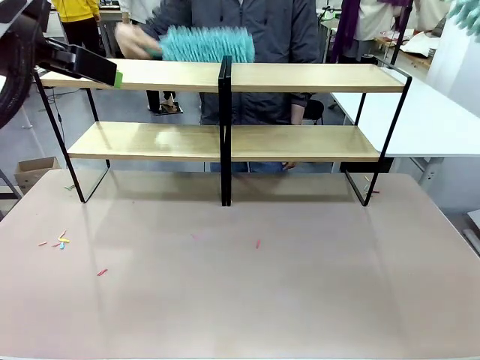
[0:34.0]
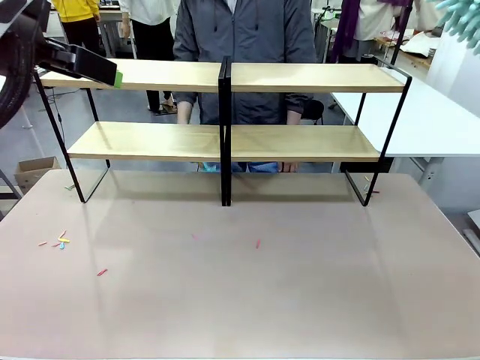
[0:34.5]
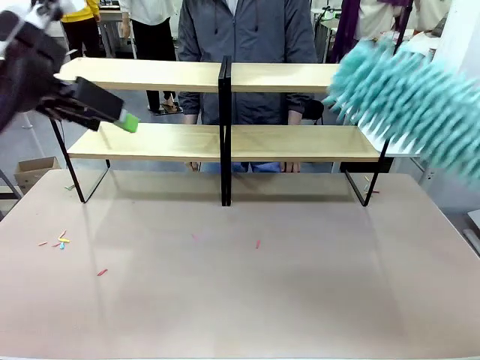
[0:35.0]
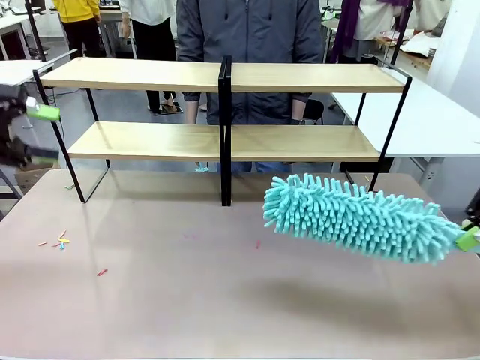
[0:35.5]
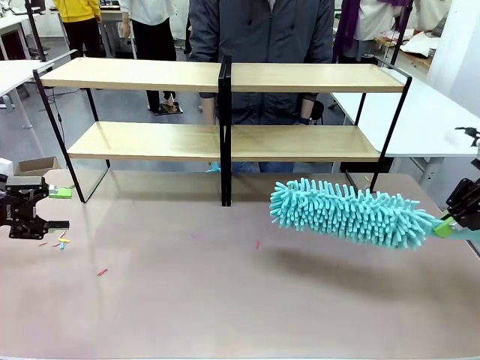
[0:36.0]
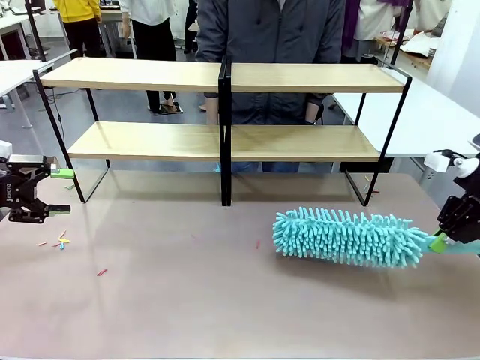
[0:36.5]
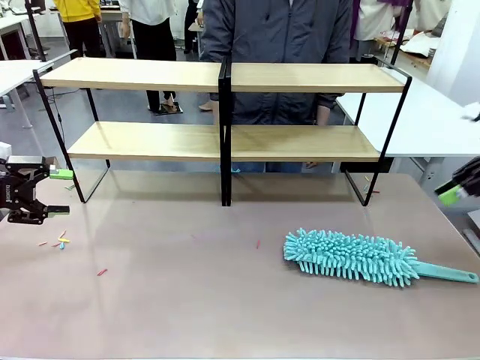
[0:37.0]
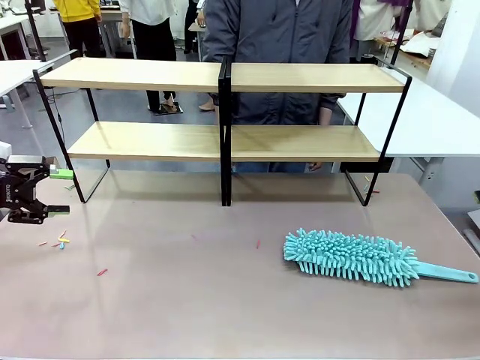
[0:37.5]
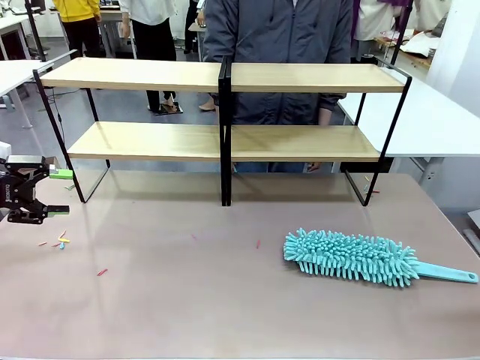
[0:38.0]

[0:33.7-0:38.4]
Task: Clean the shelves.
Robot: Place the Duster on the table.

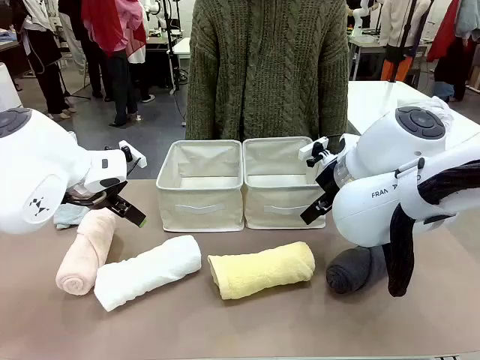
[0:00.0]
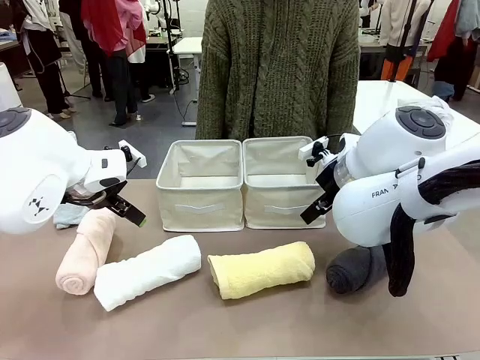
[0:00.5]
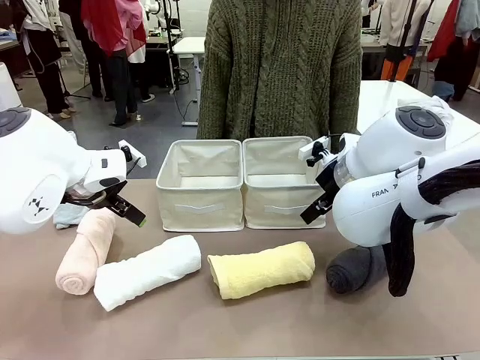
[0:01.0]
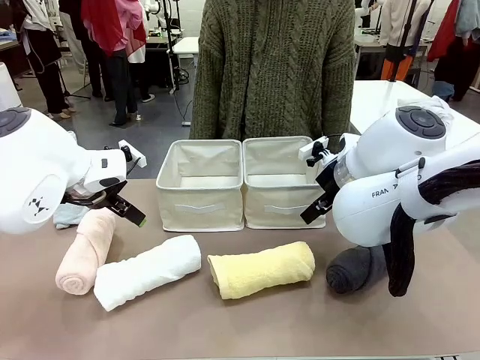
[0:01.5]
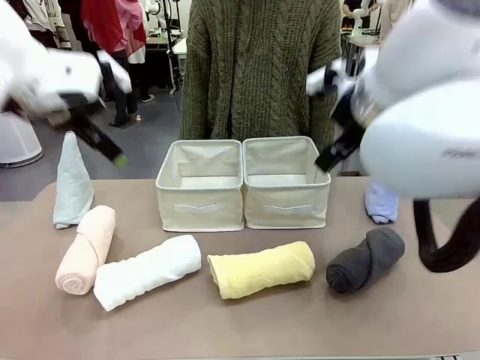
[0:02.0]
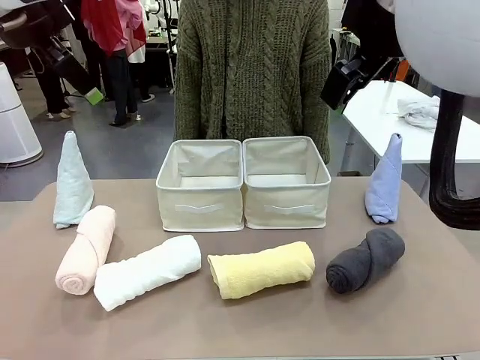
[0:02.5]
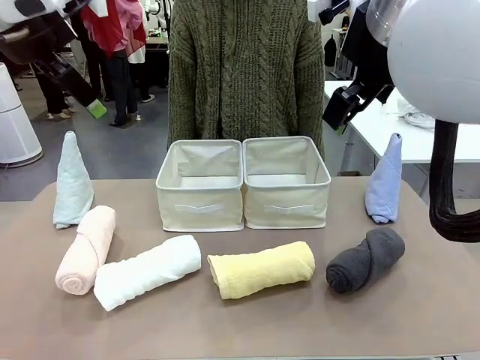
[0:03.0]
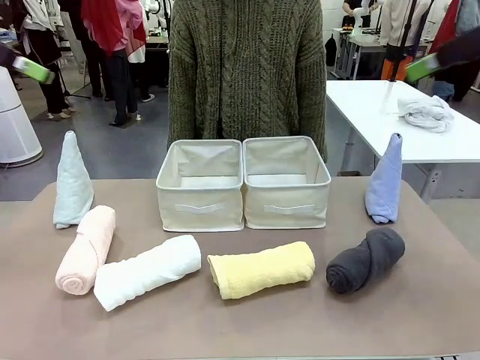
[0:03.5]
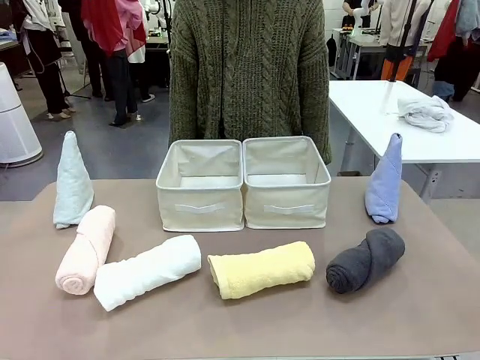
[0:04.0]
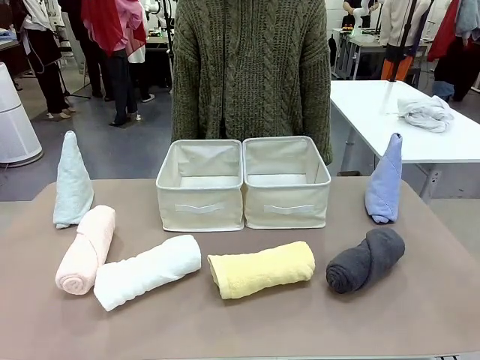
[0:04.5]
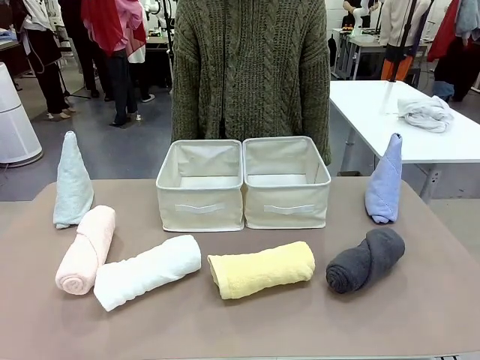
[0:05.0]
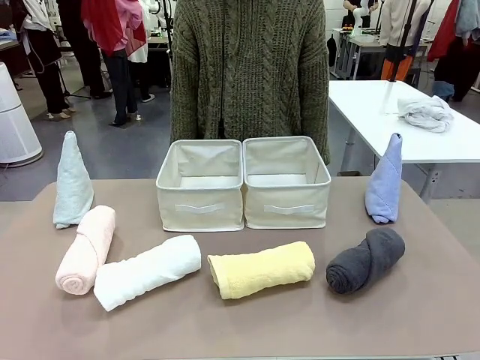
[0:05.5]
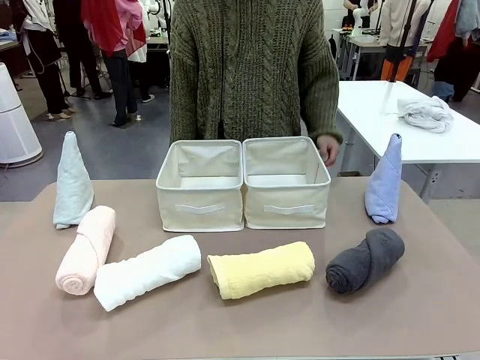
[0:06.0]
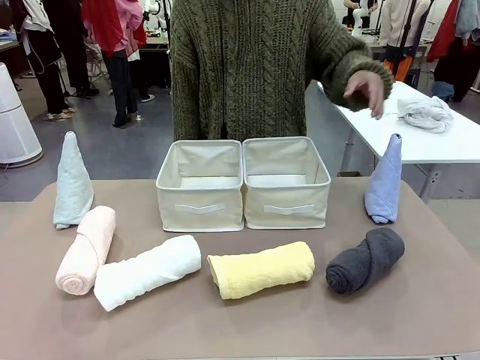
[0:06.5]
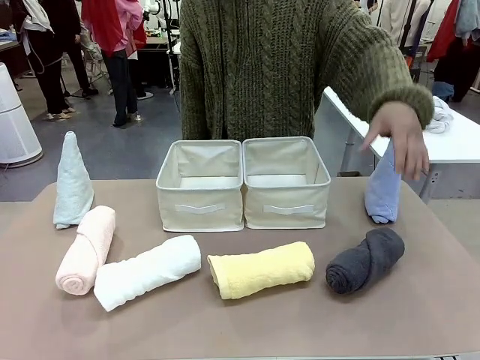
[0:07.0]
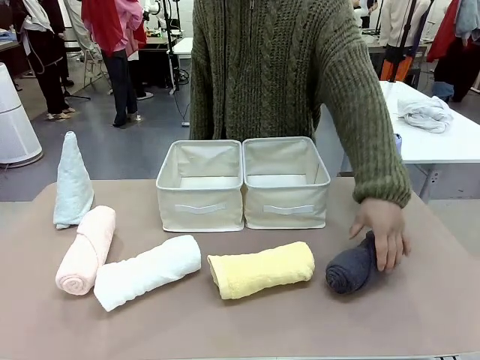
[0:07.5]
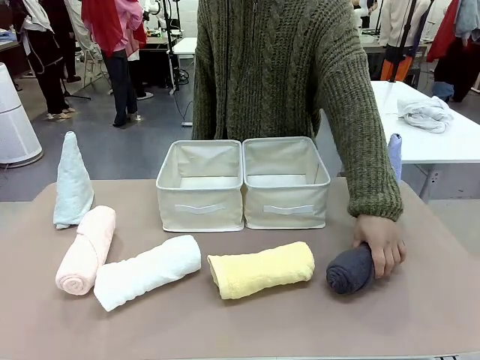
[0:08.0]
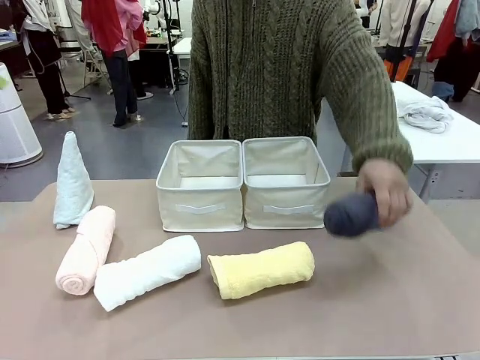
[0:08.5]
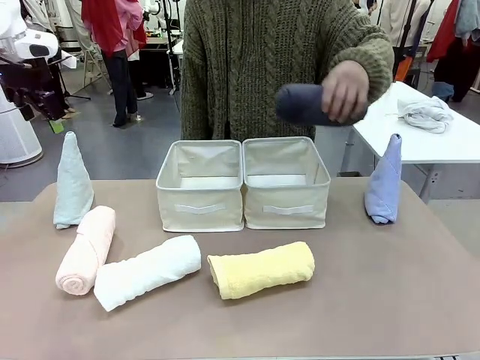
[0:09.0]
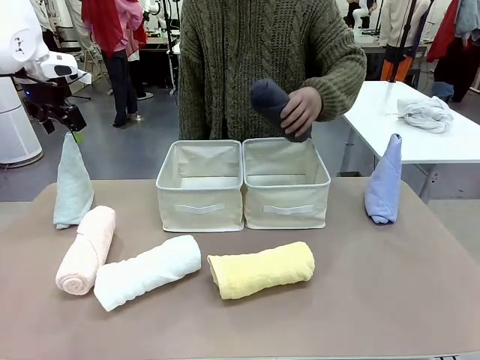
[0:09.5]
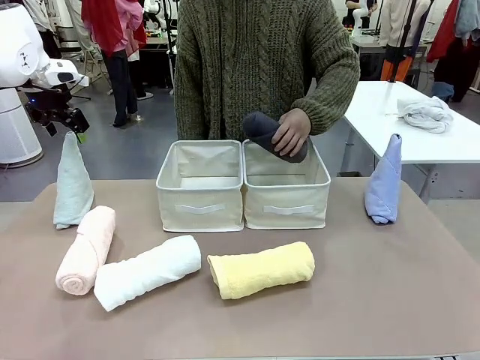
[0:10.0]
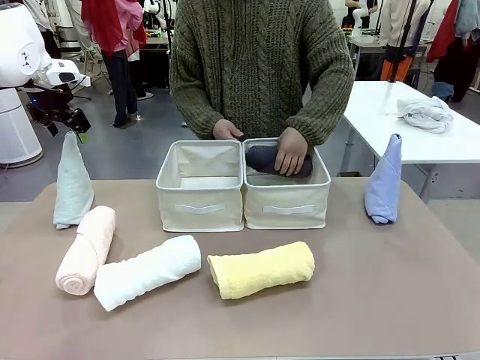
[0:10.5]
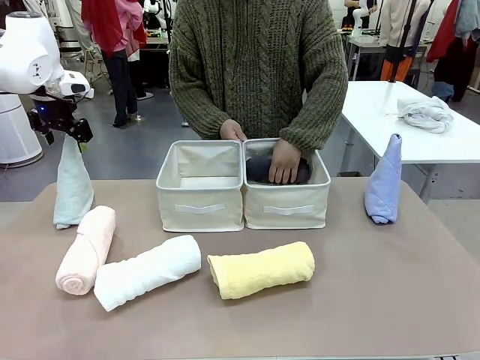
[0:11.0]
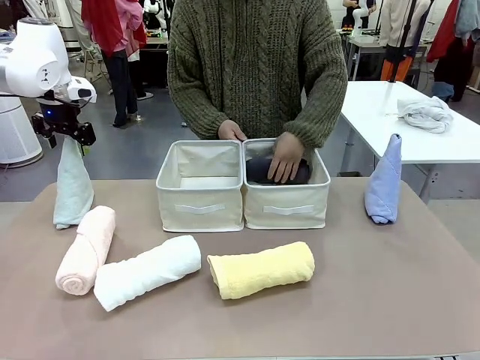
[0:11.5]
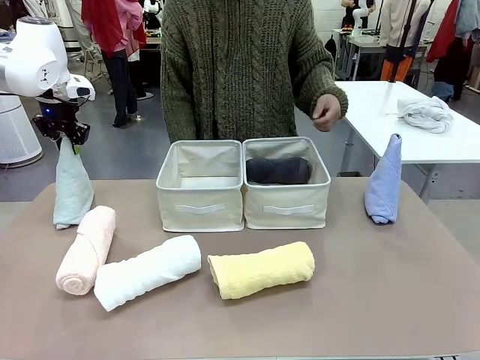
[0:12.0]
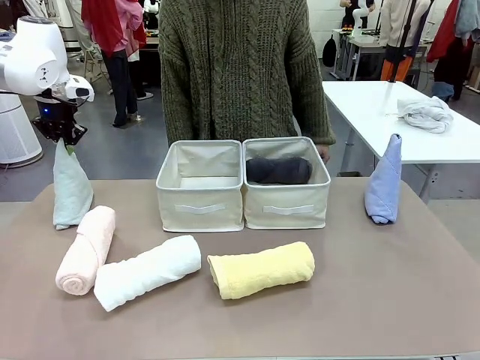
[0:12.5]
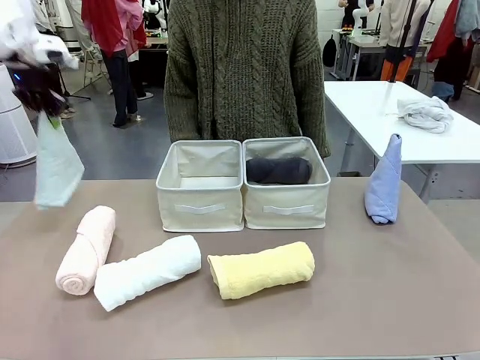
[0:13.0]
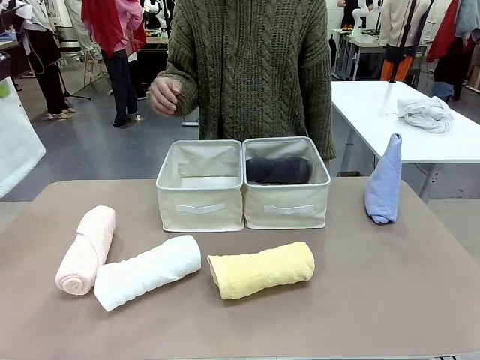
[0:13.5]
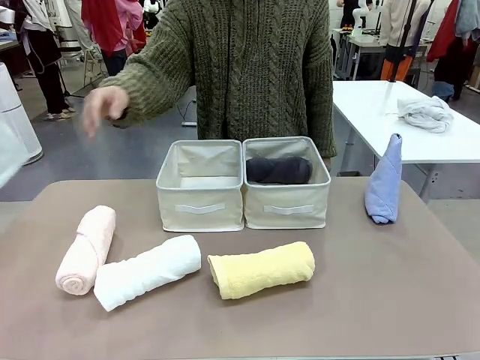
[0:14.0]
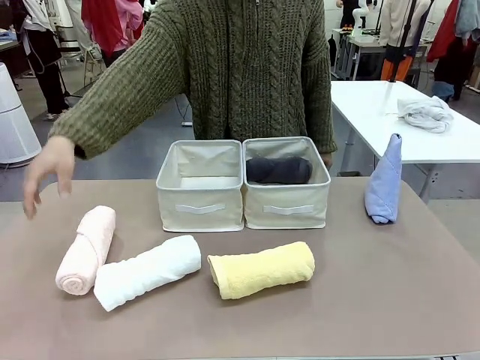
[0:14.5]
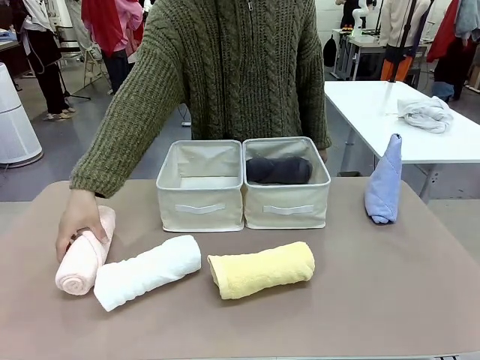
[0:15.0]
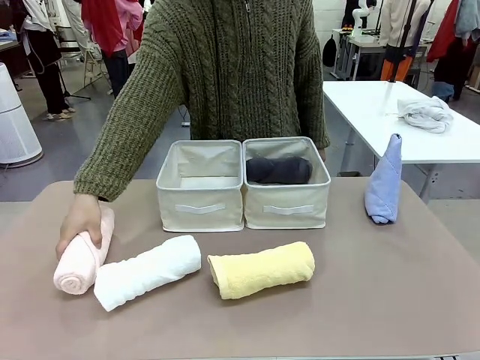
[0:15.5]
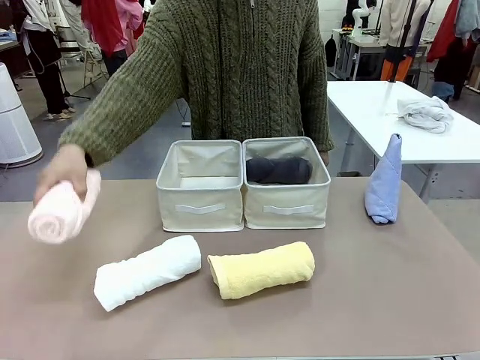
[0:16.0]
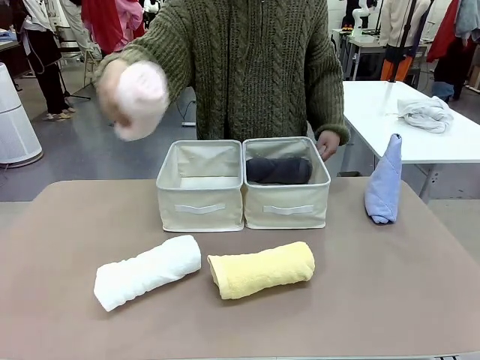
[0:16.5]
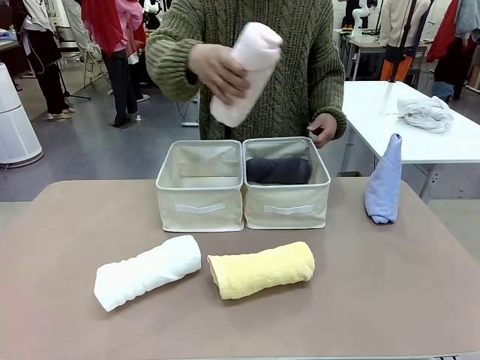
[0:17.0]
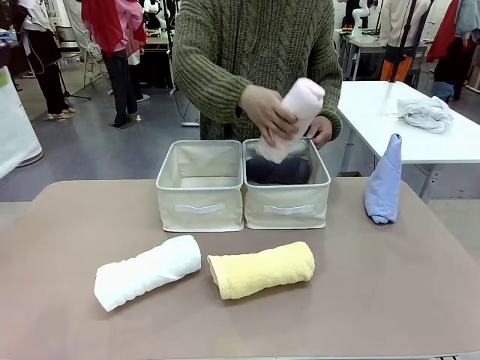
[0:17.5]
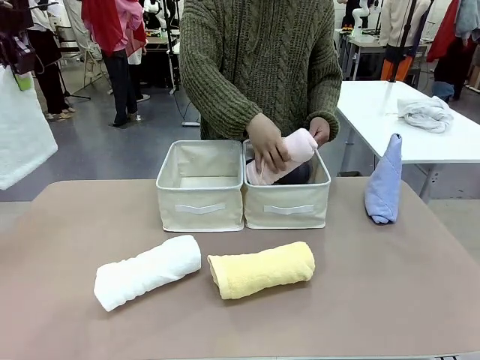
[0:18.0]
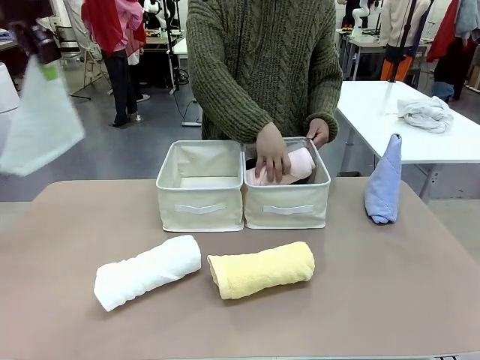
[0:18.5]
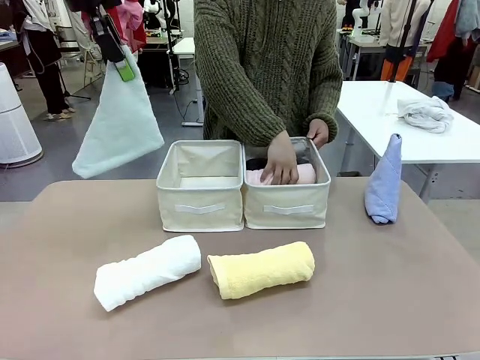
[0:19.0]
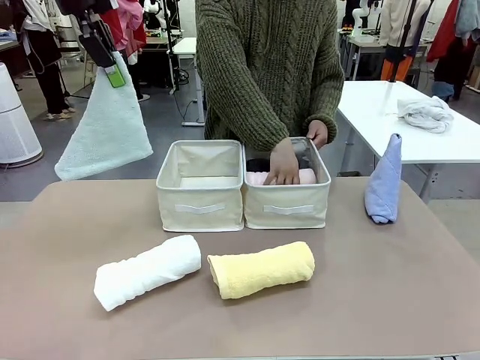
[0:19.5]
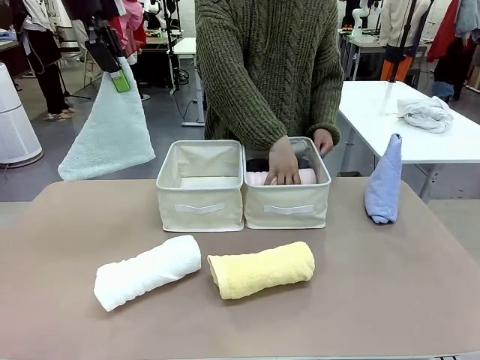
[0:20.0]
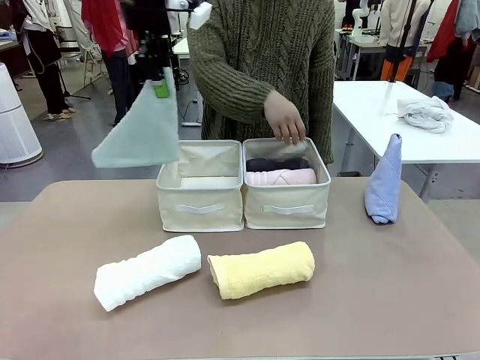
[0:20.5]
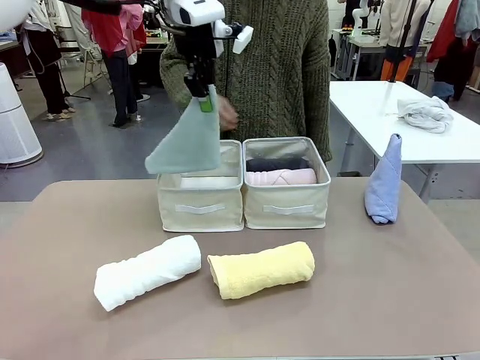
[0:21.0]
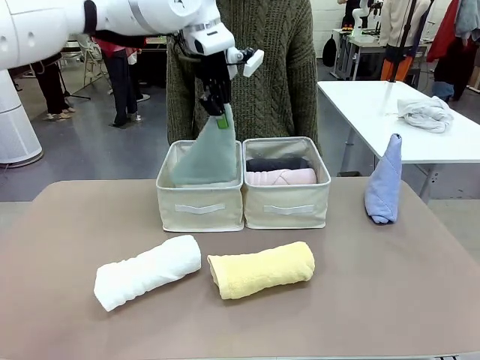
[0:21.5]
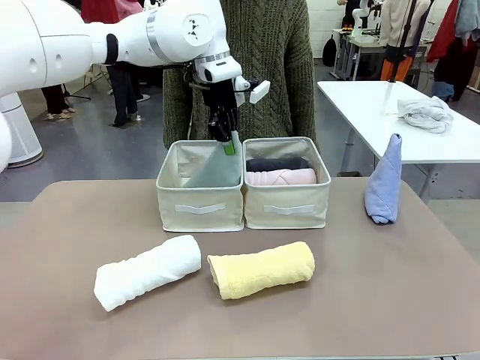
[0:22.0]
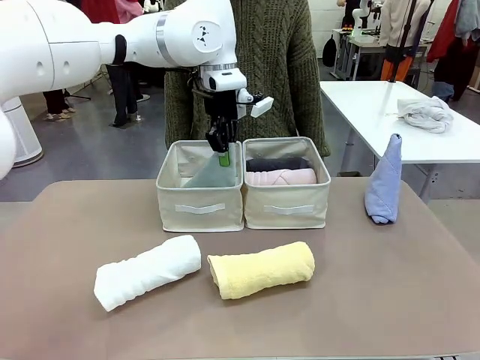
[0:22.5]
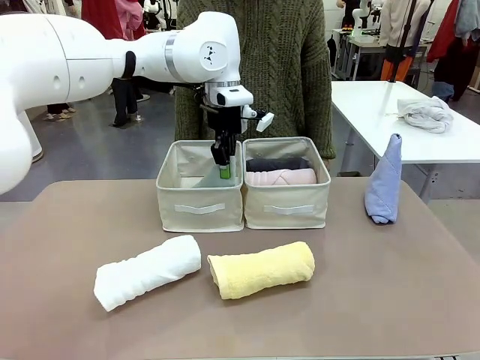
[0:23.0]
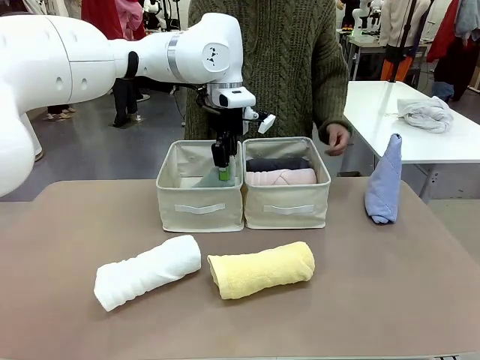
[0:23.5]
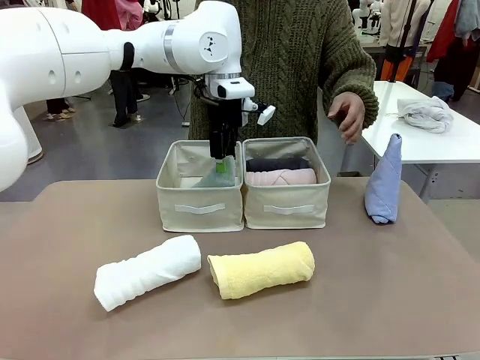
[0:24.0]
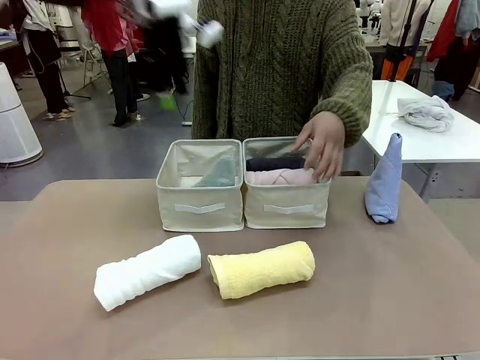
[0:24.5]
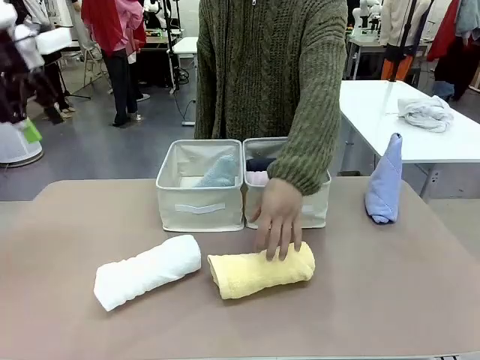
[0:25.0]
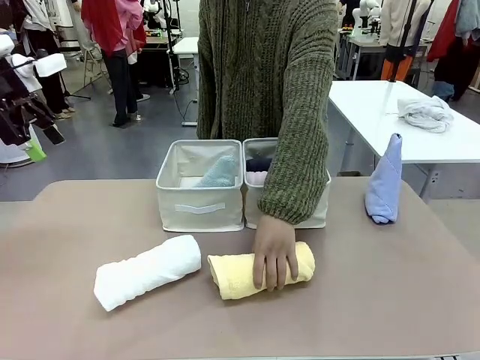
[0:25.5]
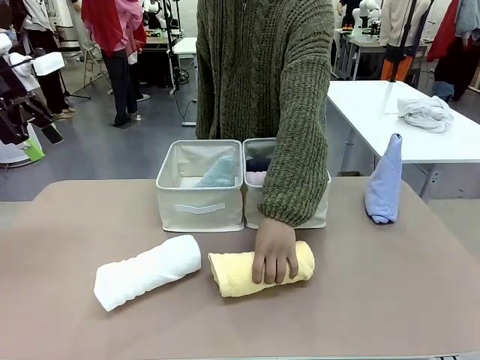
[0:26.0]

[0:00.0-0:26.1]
Task: Sort the towels based on their folding style.
Robot: Pick up one triangle-folded towel and place it in the left Fabric basket.
Person: Pick up one hotel-style rolled towel and place it in the left fabric basket.
